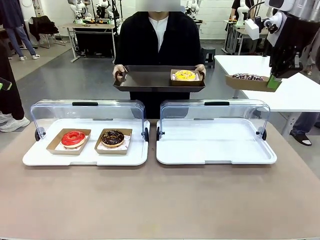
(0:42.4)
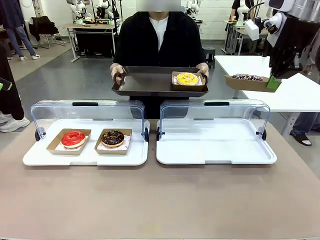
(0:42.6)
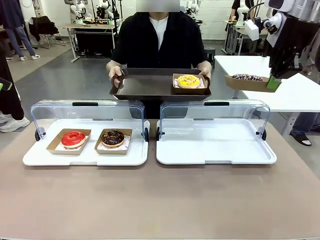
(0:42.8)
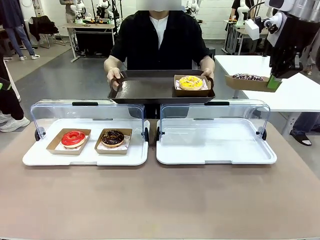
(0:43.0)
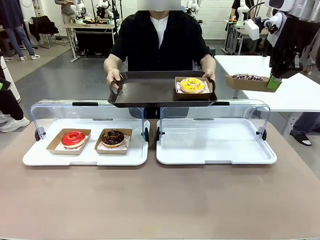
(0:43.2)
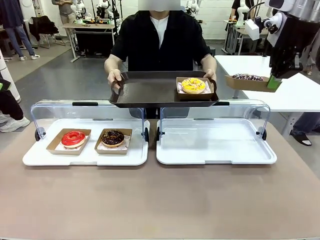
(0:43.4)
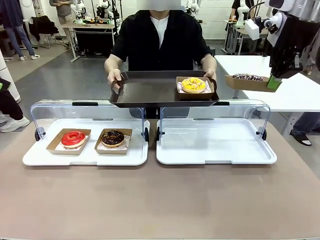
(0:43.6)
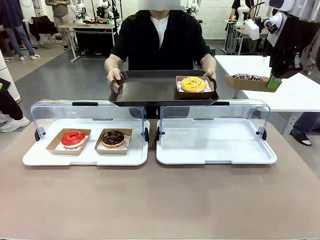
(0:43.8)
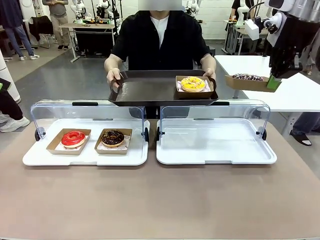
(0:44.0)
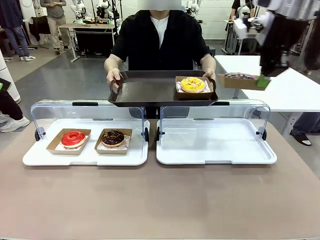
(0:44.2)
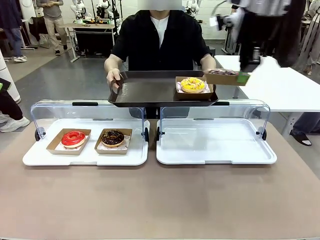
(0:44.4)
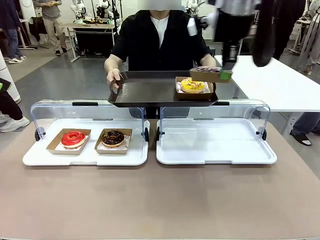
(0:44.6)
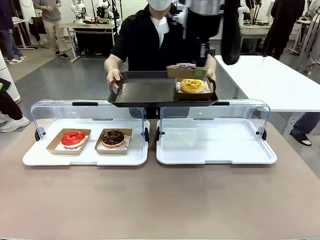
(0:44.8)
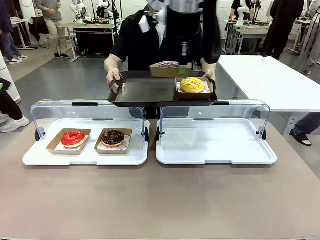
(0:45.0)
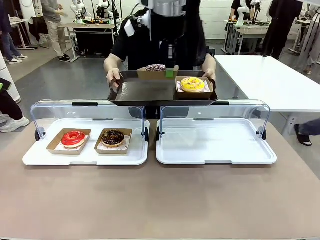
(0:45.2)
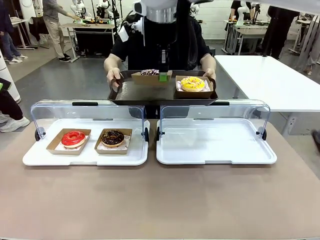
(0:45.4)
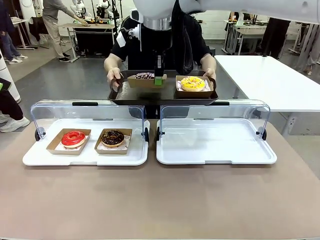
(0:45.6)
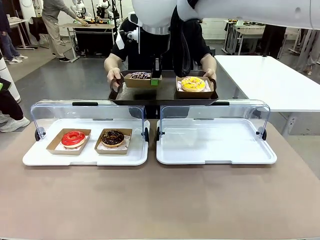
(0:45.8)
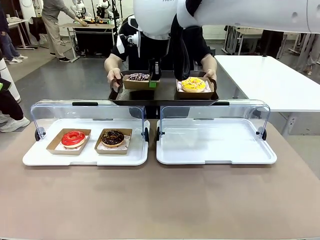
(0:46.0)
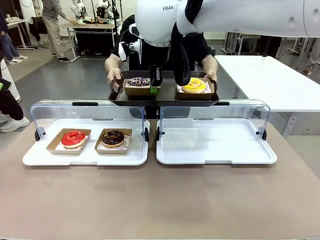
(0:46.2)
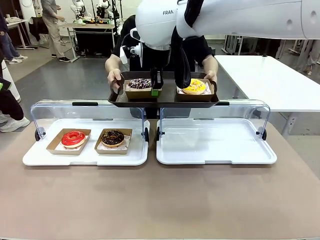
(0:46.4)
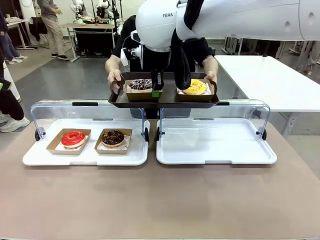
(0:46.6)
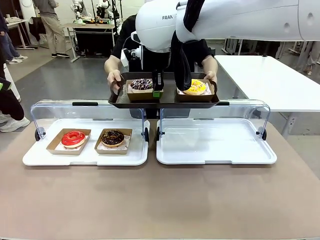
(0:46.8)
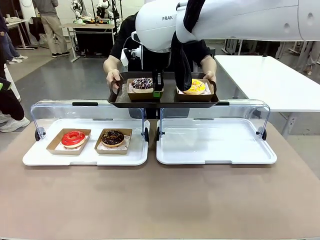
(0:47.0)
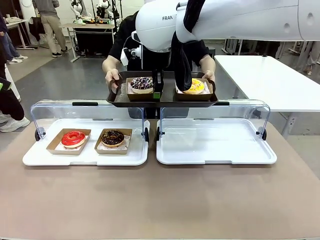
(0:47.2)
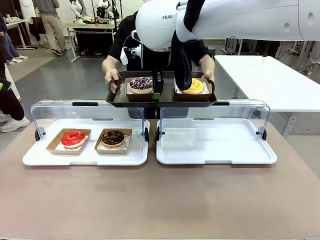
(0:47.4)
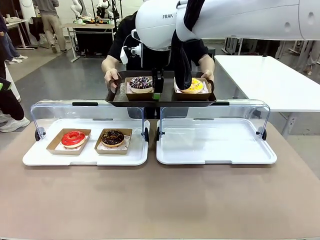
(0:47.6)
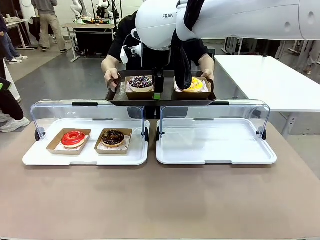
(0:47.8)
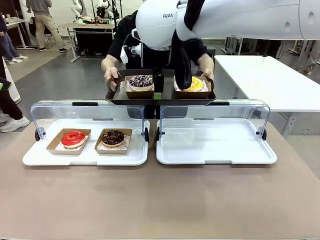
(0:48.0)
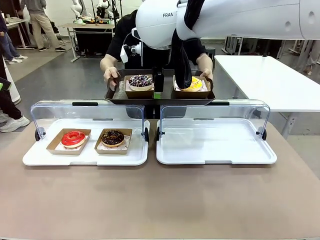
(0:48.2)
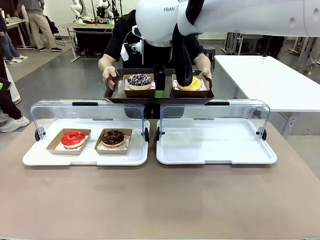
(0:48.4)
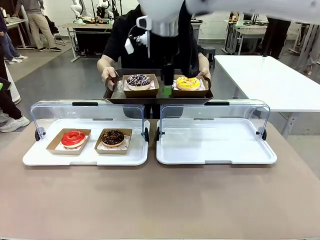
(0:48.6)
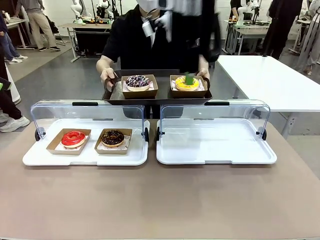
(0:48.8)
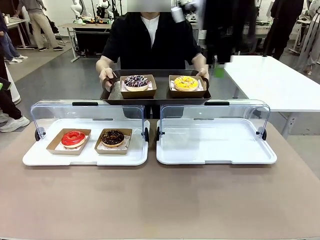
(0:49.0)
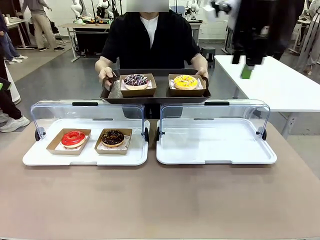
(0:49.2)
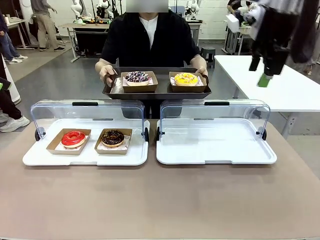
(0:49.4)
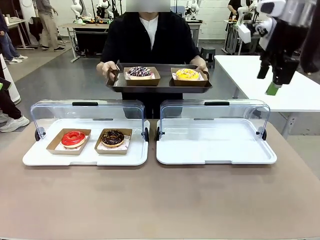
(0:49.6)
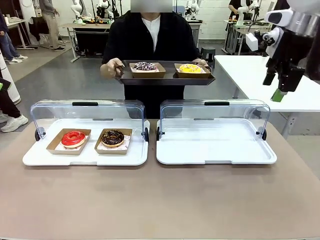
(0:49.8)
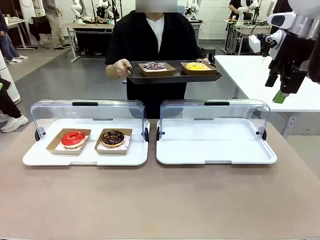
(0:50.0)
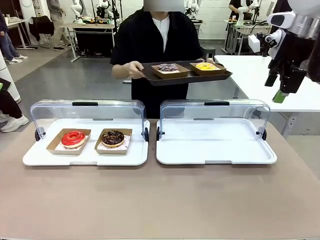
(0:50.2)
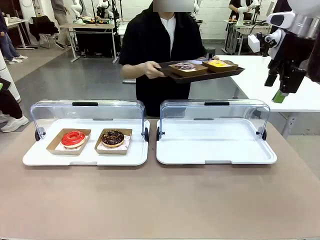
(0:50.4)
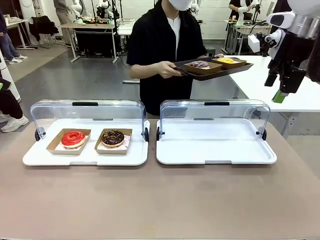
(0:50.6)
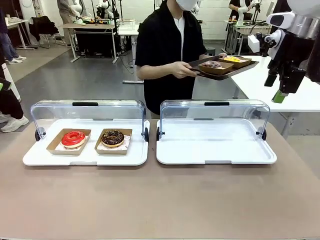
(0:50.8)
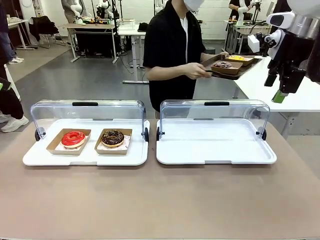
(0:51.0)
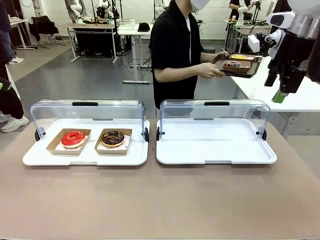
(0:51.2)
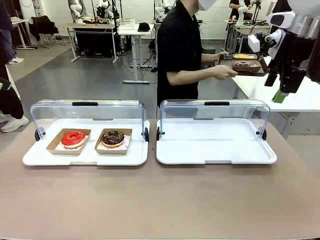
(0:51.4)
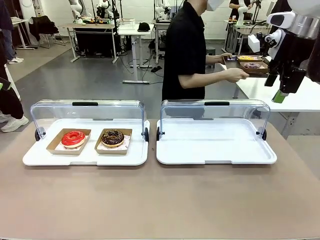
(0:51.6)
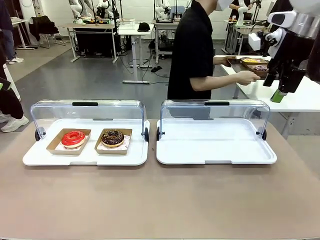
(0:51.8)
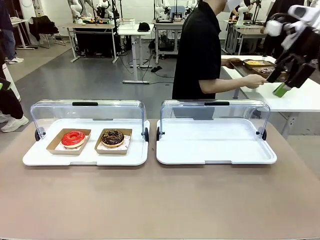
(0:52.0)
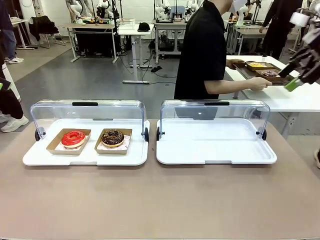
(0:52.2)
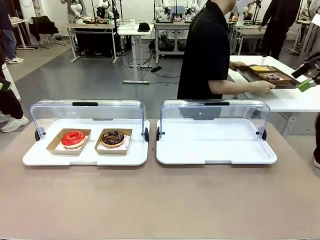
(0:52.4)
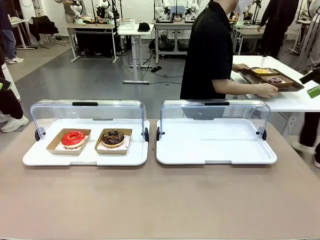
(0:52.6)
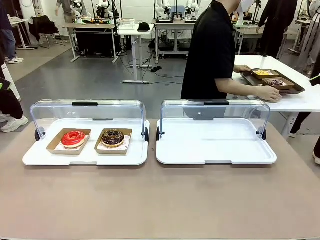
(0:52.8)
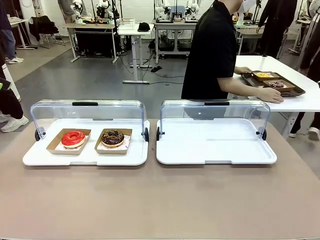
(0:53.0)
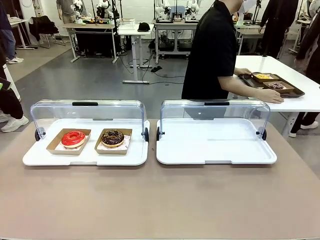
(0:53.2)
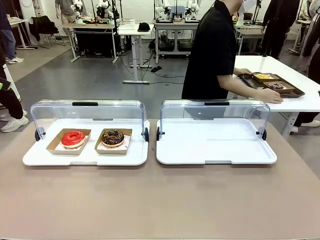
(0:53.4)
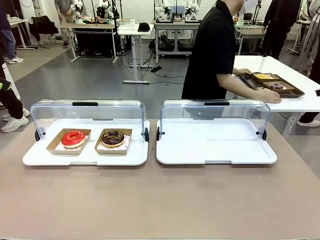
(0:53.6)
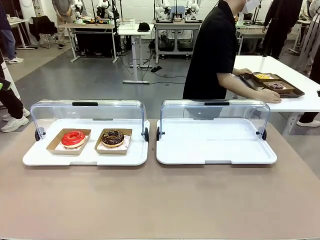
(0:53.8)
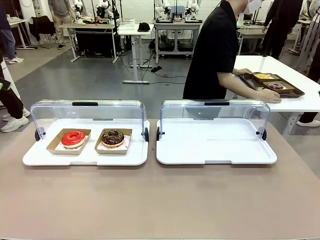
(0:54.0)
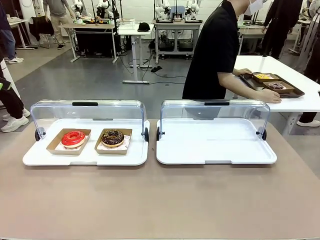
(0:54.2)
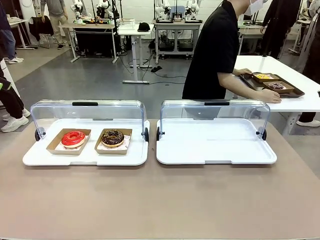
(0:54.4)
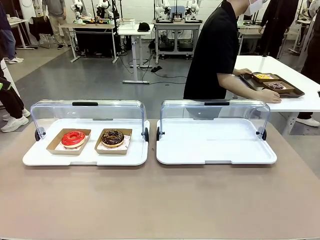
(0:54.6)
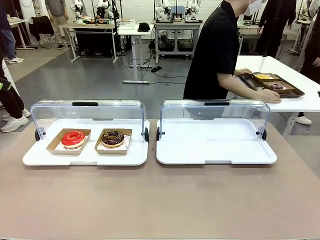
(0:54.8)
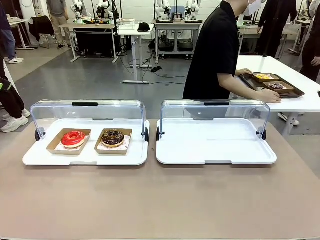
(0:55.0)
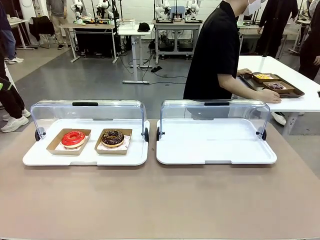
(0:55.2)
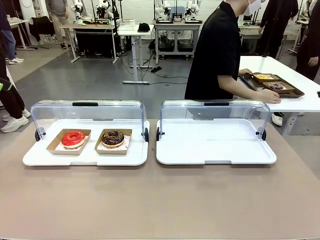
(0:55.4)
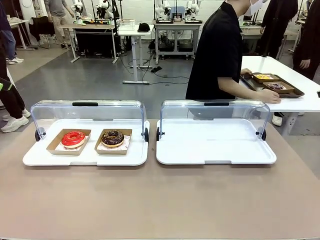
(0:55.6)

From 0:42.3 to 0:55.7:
Task: Provide the desired donut to the person.
Robot: Place the picked Paper togo box onto the Handle tray extended by the person.
Person: Place the tray in the middle of the human table.

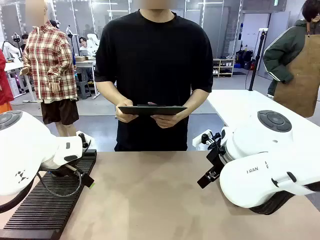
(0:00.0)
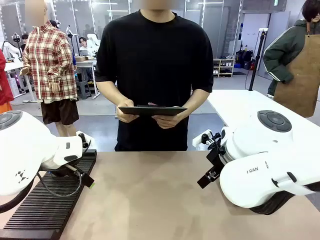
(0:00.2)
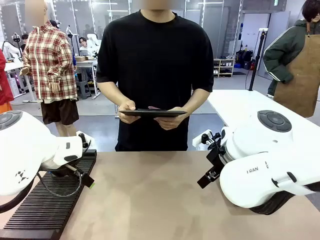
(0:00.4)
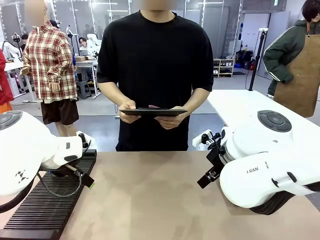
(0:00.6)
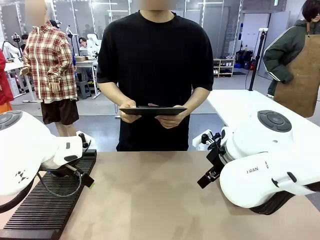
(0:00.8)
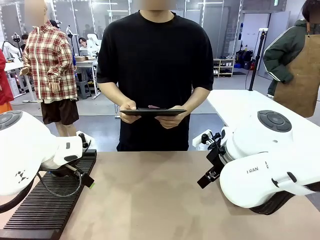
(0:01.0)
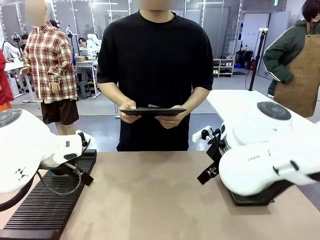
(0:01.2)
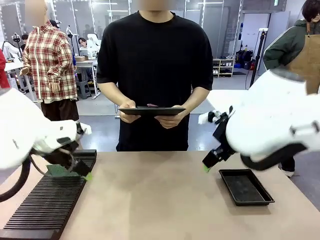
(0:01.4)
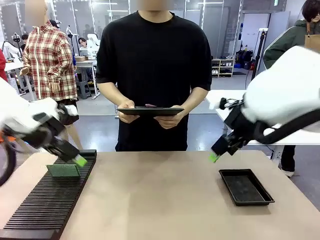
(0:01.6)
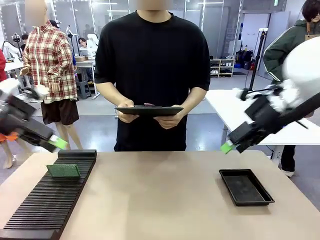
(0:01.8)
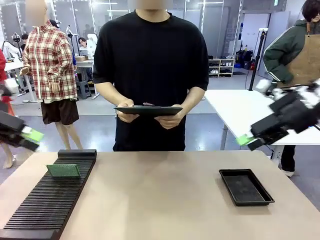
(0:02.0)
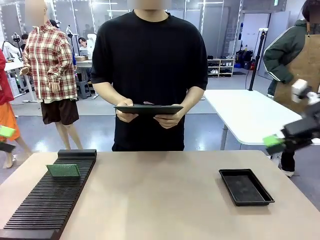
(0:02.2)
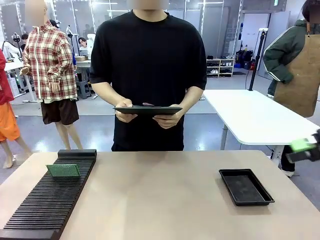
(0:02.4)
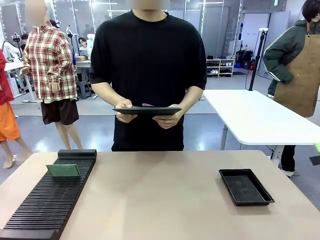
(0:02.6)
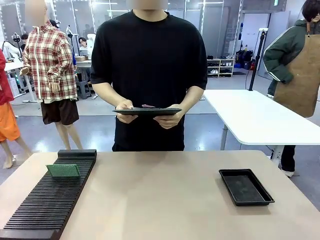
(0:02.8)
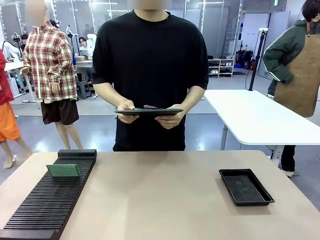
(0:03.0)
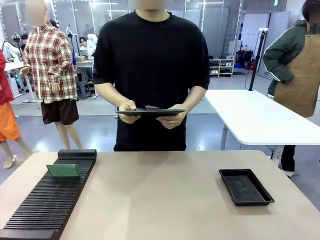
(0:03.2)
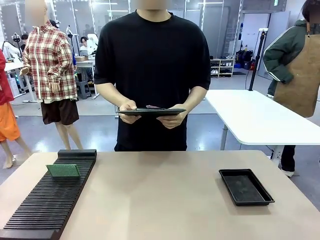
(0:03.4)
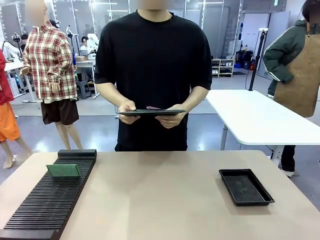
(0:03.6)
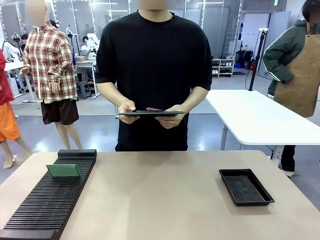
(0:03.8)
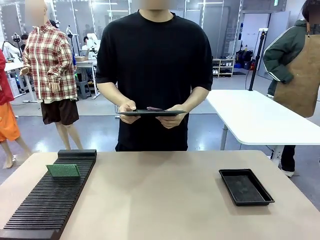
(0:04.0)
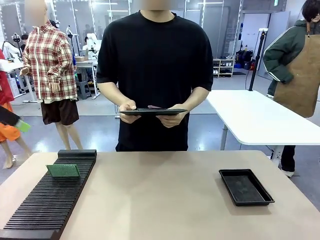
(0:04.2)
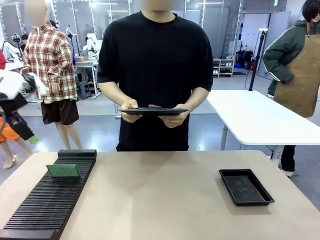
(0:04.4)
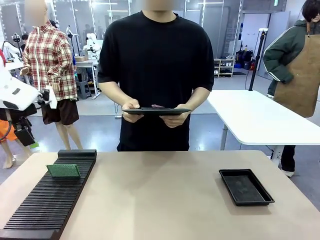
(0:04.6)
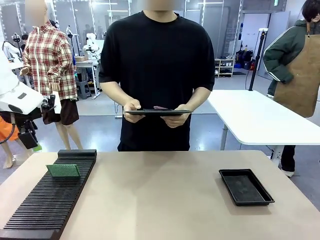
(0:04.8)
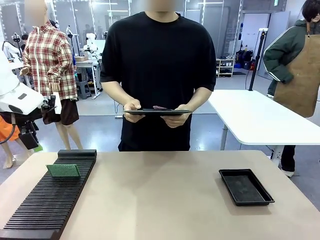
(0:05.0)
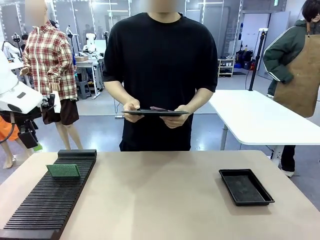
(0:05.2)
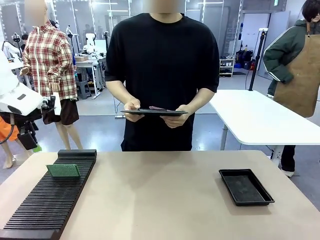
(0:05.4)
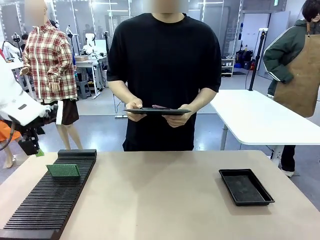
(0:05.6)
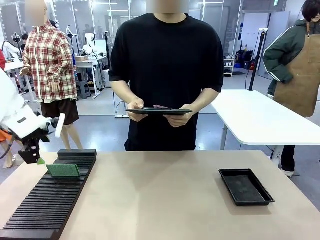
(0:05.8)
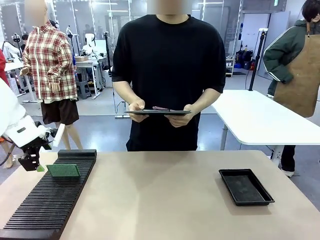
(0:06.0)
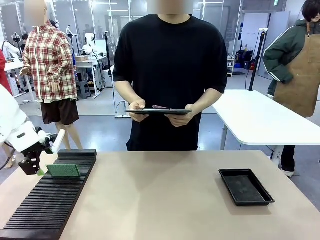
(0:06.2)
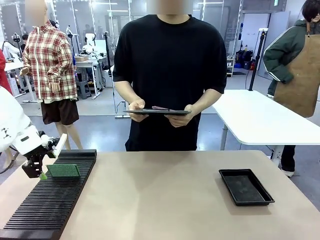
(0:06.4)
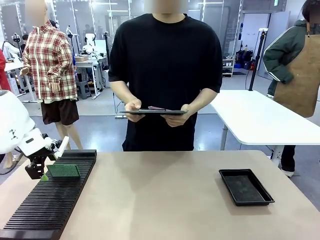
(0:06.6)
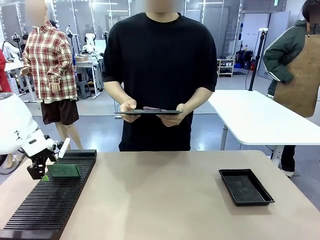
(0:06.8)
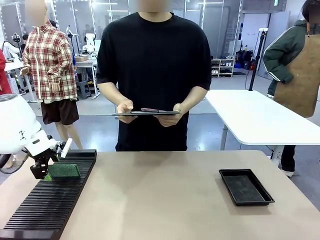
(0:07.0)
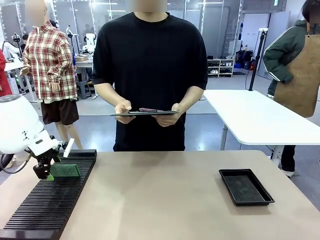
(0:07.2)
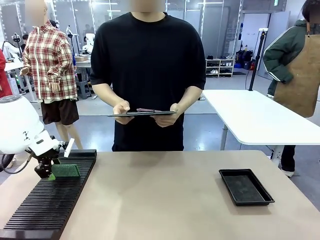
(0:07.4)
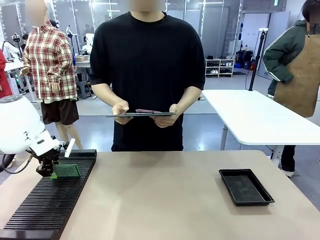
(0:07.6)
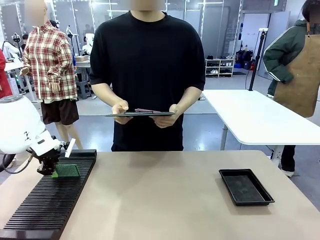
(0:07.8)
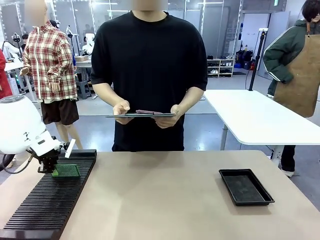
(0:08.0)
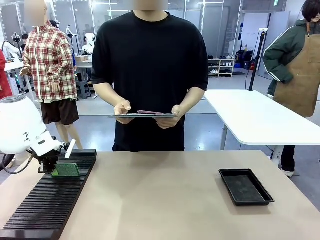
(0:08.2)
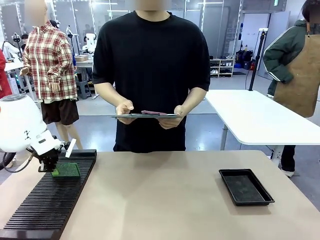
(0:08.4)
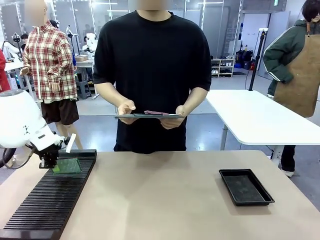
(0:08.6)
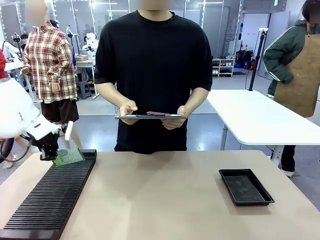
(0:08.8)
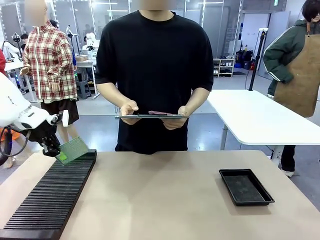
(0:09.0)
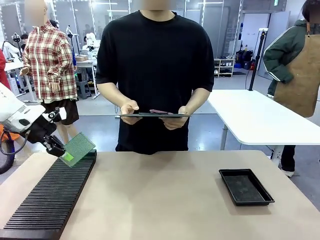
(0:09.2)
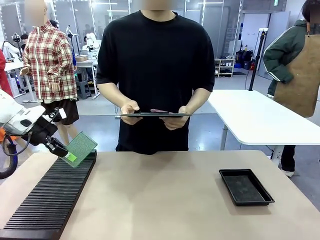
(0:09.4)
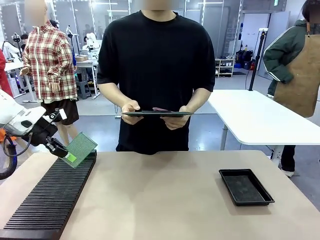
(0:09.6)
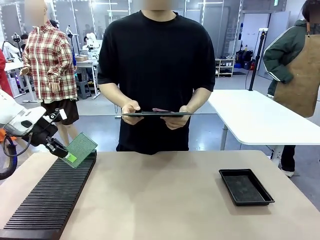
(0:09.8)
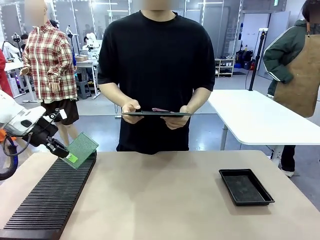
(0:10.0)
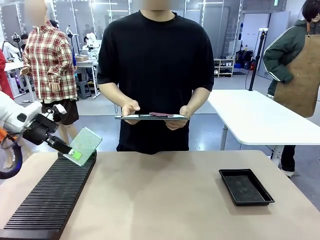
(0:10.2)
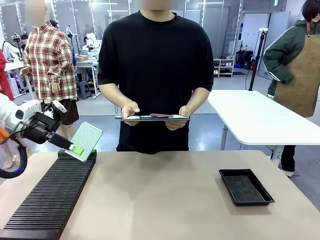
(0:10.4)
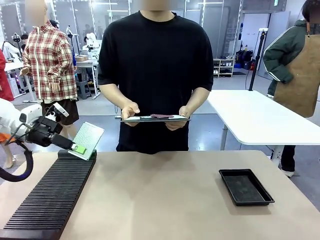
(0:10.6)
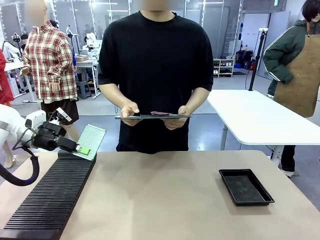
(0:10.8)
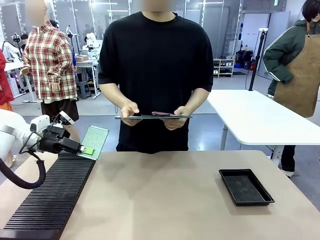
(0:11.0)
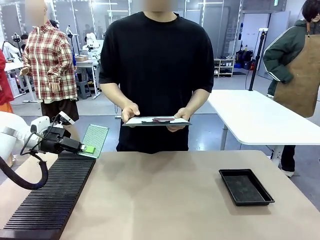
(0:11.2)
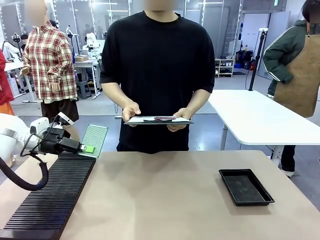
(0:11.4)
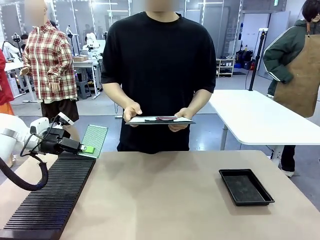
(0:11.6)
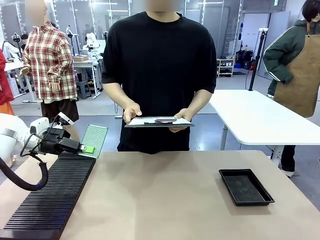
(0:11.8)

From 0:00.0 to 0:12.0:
Task: Inspect the PCB.
Robot: Pick up the Blank PCB and present it to the human.
Person: Pick up the PCB presented by the robot.
